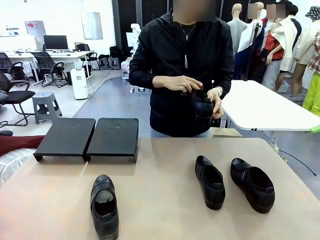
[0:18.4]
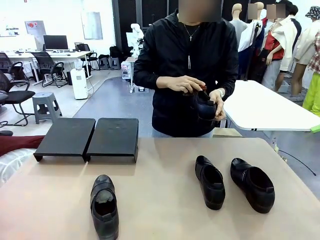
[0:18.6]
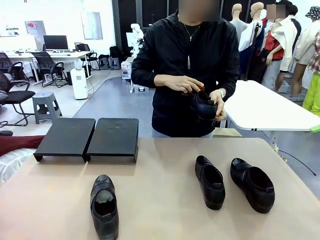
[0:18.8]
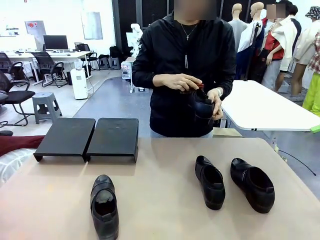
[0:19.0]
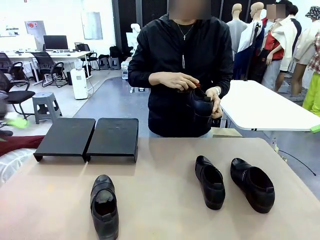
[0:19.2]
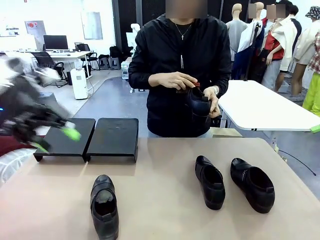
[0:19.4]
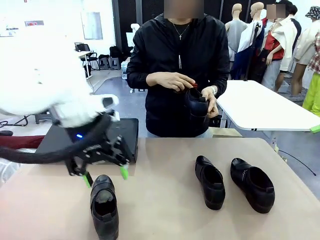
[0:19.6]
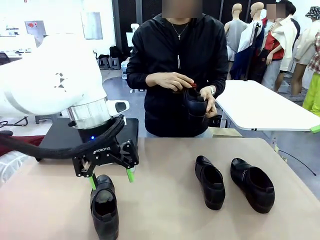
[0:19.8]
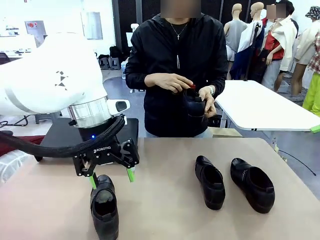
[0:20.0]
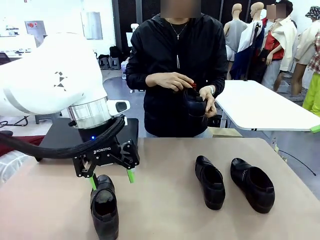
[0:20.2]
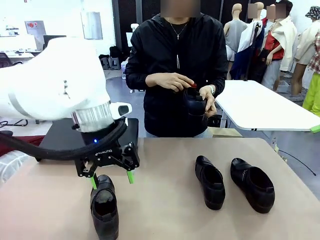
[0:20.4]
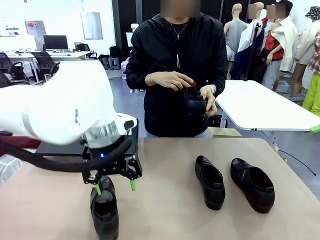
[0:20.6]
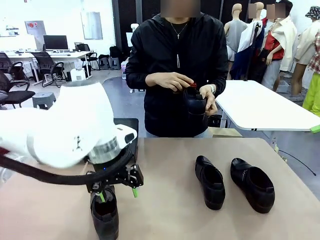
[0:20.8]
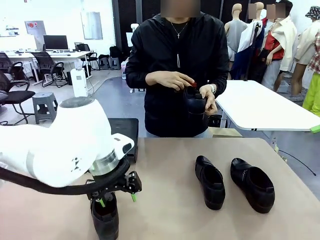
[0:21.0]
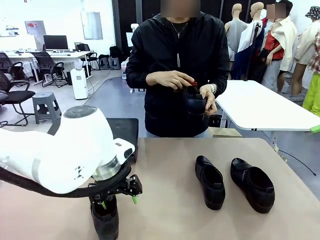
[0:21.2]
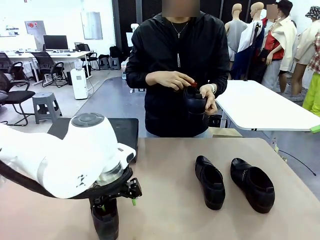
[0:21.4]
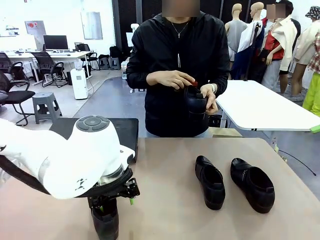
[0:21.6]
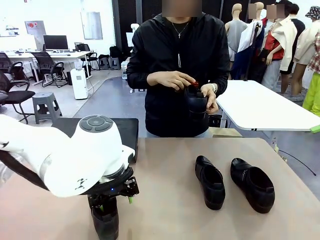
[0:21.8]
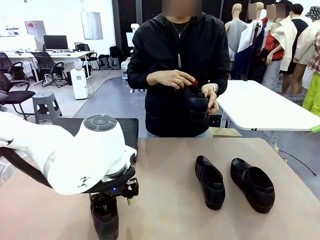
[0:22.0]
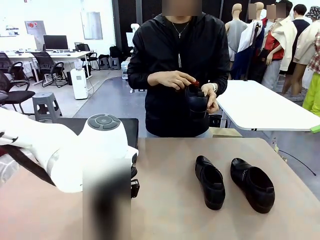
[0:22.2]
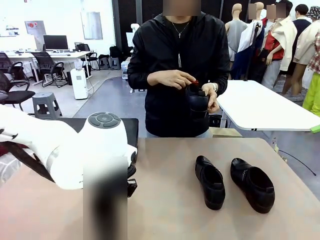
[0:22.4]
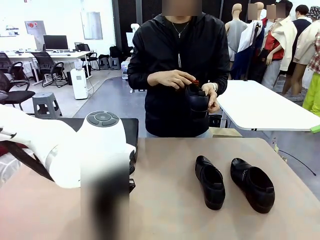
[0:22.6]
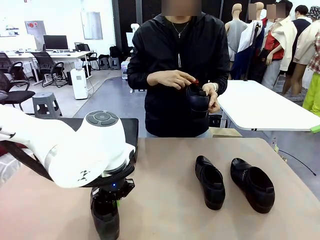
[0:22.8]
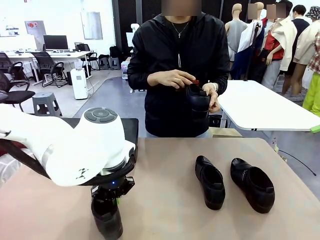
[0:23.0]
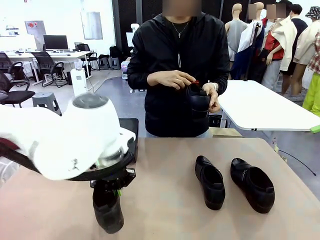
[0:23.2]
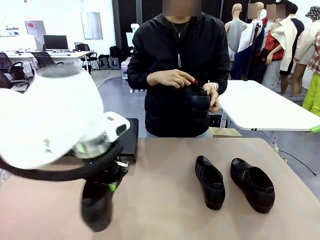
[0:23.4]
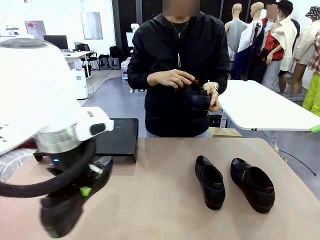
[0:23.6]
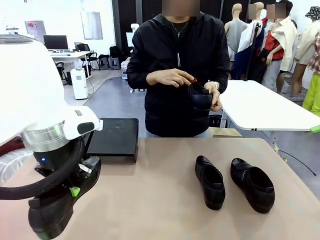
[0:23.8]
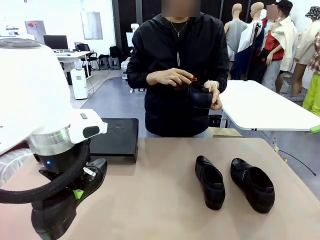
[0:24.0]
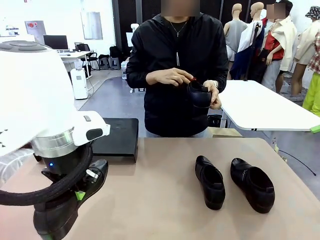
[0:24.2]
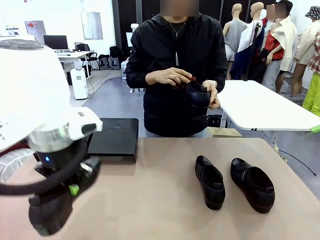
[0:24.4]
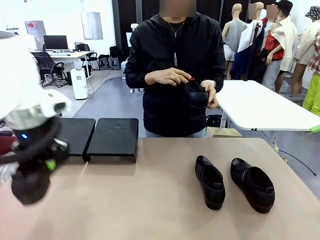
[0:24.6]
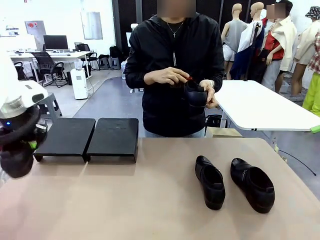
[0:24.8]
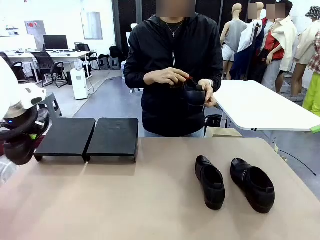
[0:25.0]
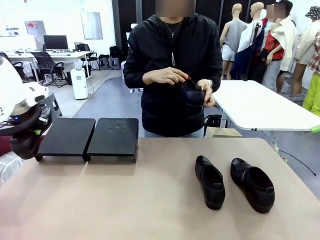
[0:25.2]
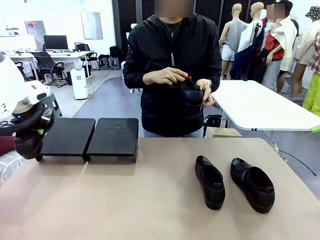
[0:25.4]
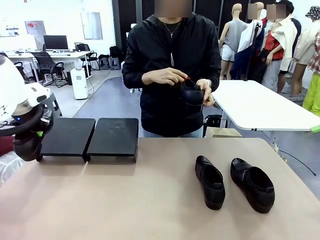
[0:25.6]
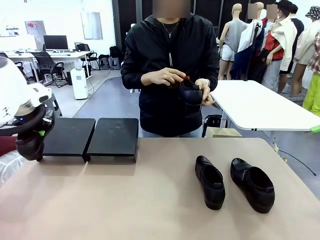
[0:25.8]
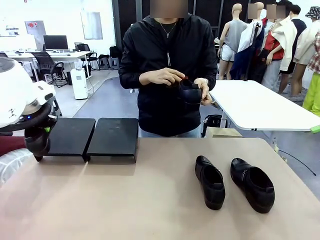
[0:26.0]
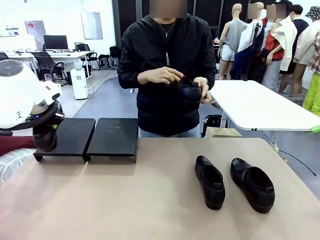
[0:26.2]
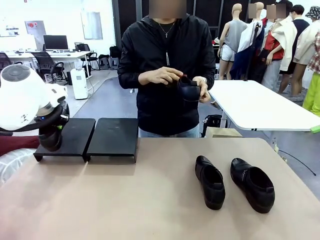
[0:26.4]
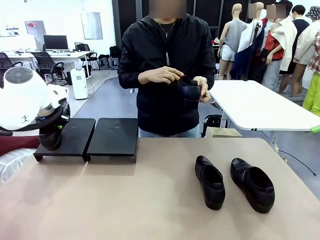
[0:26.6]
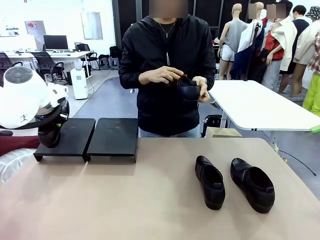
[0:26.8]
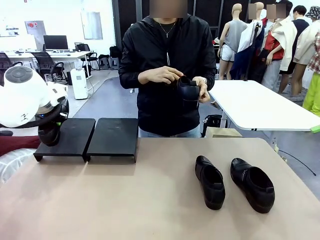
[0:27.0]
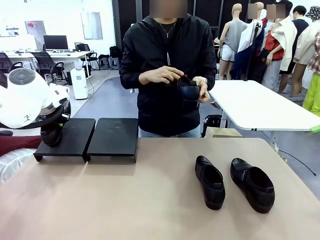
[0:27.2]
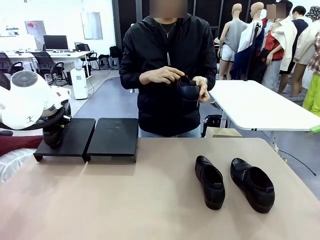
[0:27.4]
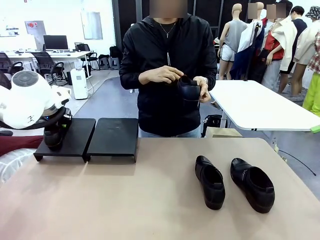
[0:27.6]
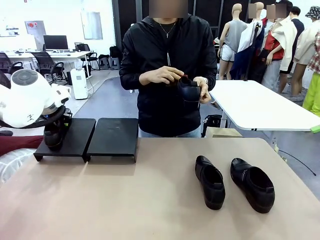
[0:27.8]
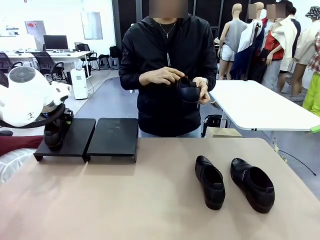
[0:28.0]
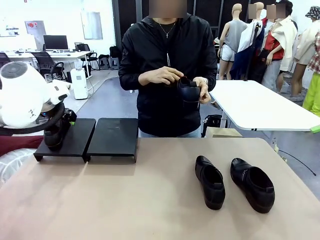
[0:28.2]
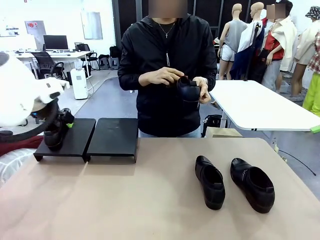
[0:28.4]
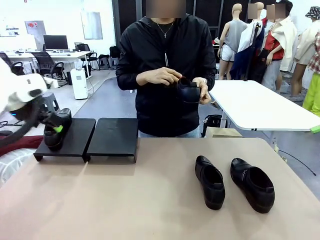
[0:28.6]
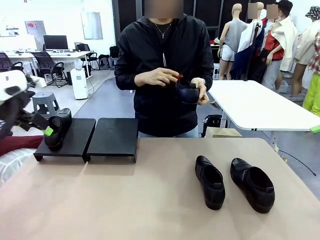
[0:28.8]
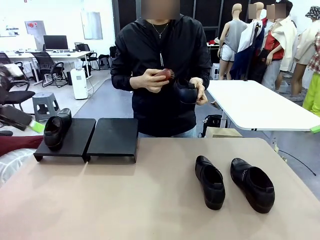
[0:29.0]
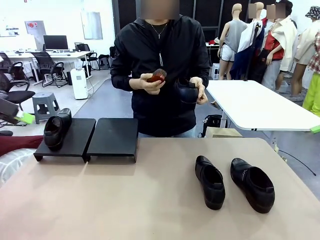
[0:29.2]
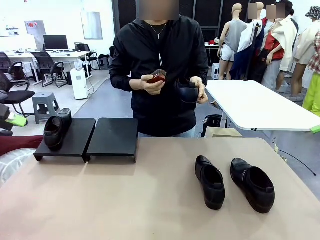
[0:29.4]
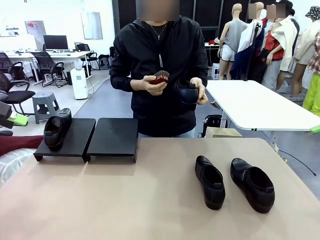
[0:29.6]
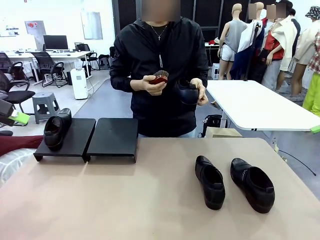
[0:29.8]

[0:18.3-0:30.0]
Task: Organize the shoes by placing them on the stand.
Robot: Place the Shoe from the middle of the table onto the Shoes Stand.
Person: Clean the Shoe with the Shoe Brush.

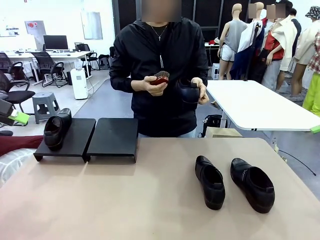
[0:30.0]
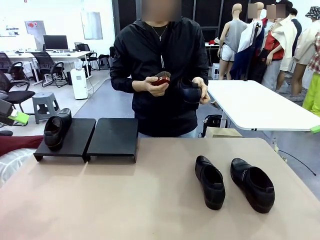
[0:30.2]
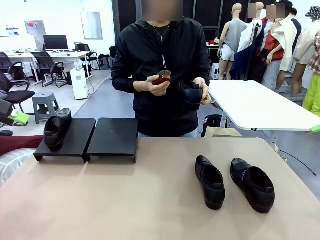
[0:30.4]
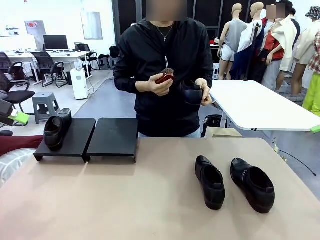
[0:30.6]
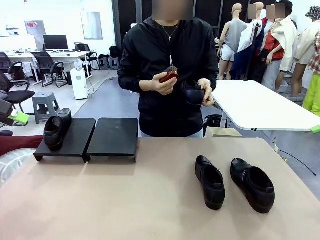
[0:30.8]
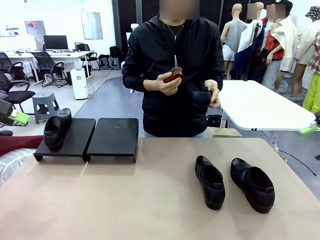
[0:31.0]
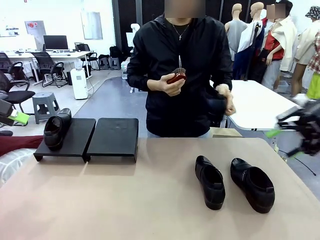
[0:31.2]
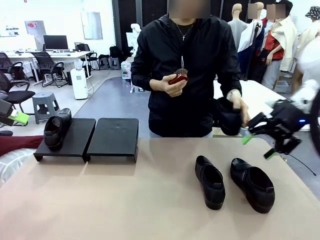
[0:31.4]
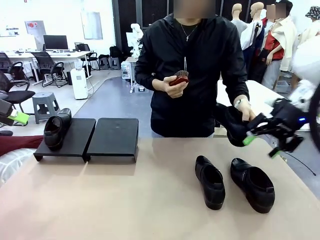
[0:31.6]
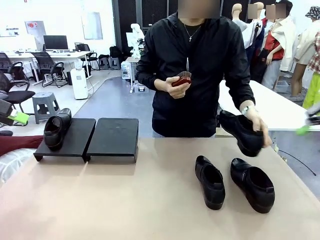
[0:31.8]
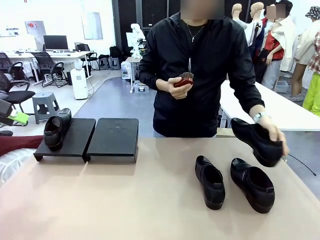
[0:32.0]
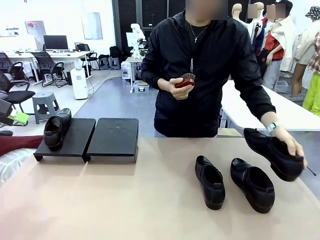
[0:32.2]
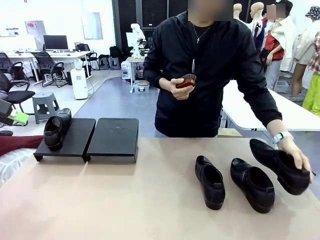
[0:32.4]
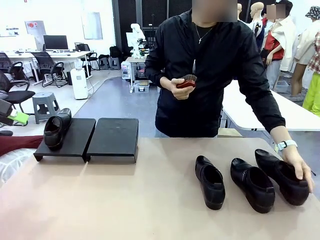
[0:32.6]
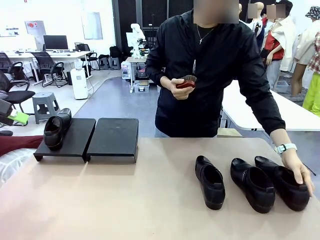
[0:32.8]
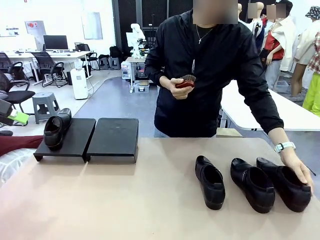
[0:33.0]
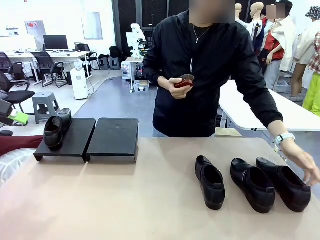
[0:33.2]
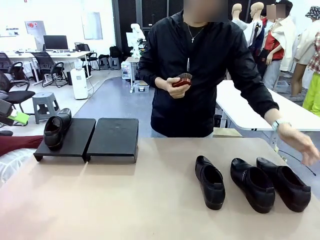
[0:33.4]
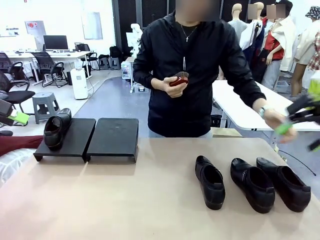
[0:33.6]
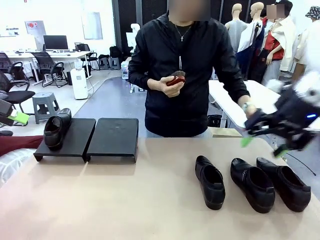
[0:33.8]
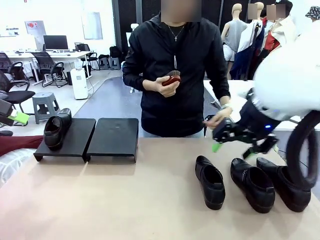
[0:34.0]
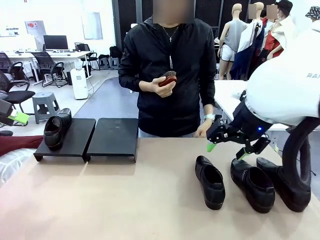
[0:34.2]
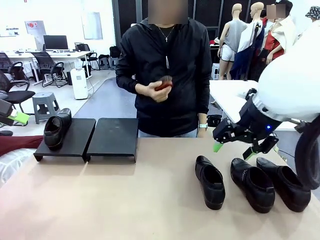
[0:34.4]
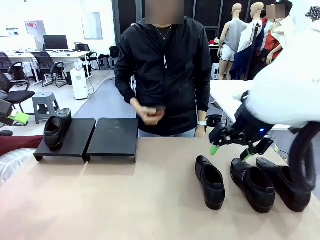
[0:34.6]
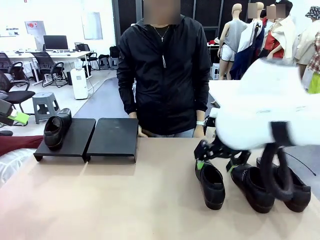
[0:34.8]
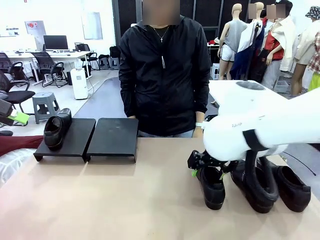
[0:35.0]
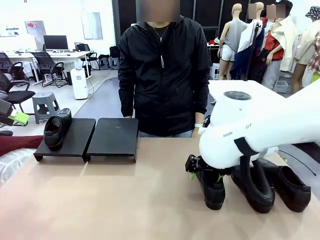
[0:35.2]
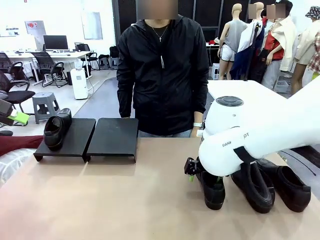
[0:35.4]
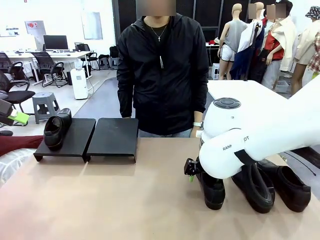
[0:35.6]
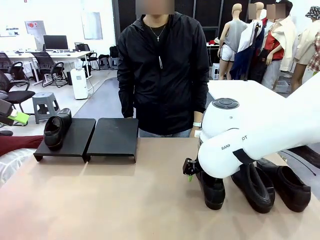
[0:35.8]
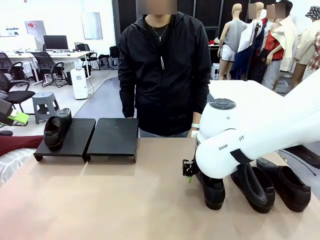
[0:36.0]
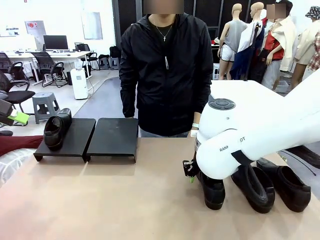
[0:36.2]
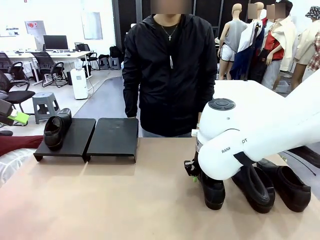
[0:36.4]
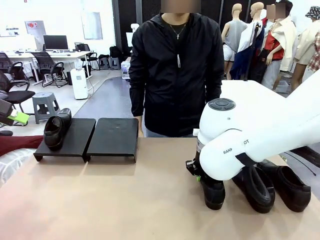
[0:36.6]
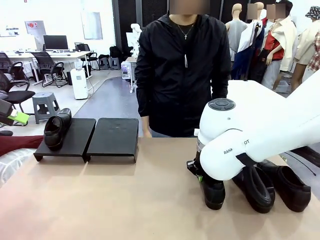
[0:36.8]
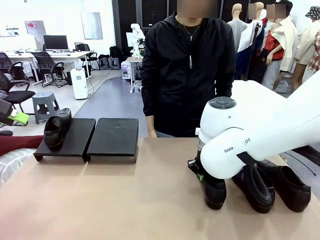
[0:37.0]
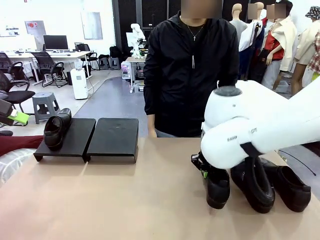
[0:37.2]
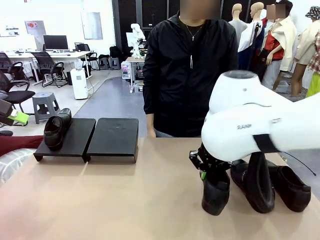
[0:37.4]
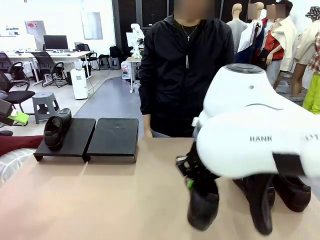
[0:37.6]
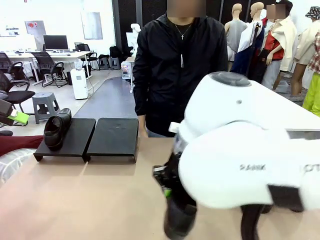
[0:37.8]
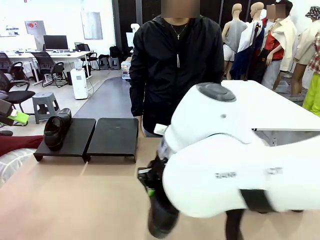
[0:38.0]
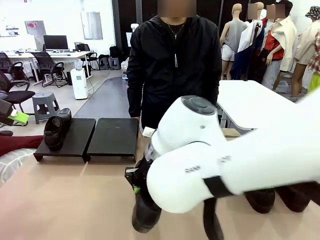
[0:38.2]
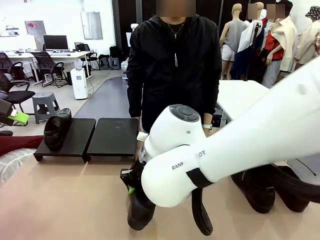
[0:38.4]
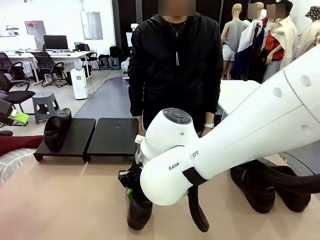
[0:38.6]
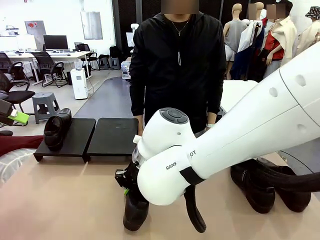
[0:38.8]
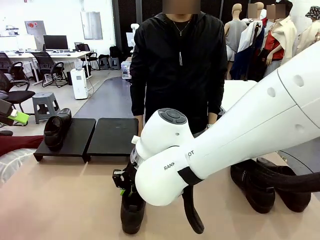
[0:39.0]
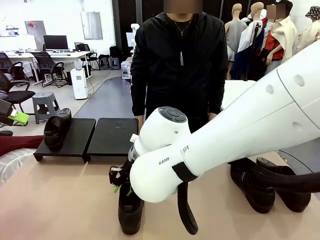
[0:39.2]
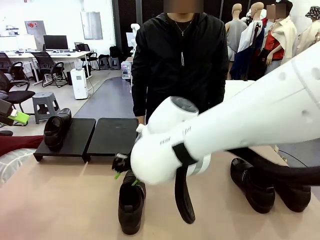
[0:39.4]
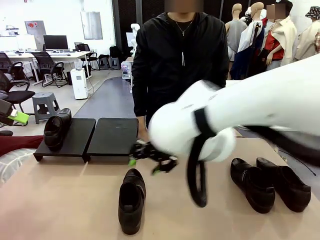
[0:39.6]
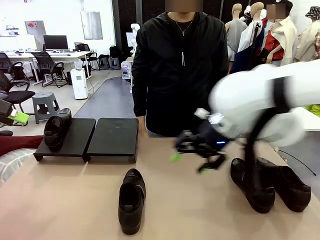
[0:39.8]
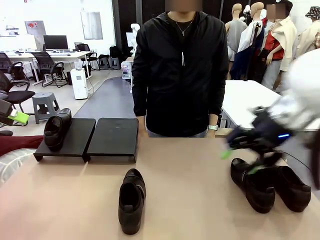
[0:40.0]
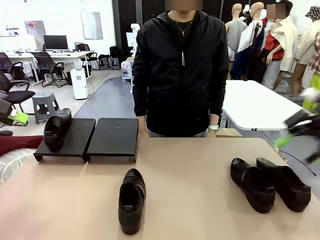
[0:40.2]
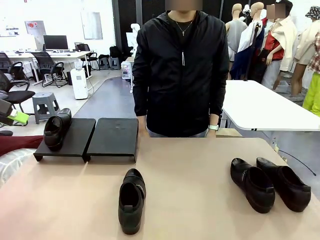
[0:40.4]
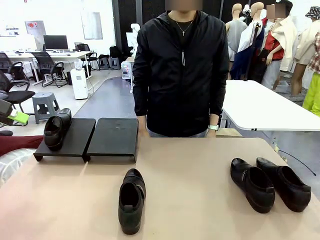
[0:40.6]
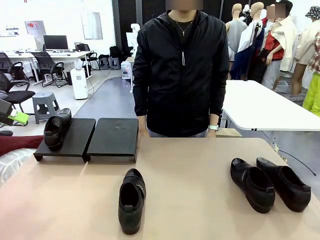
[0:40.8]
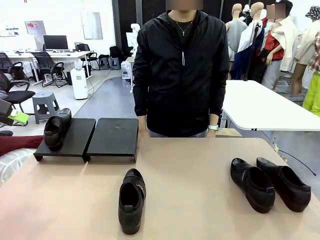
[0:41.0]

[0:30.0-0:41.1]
Robot: Pick up one Shoe and place it in the middle of the table.
